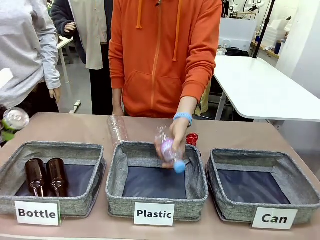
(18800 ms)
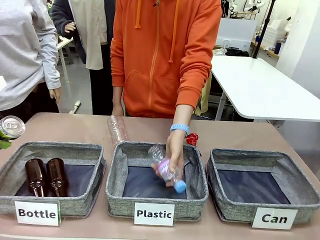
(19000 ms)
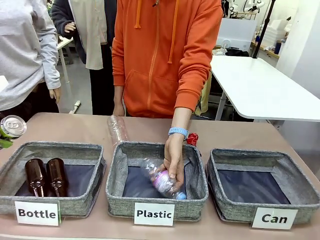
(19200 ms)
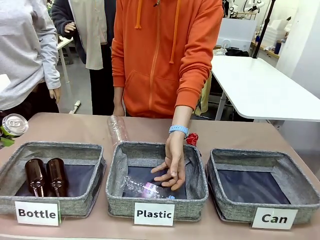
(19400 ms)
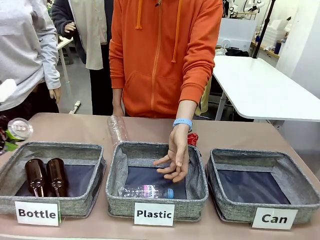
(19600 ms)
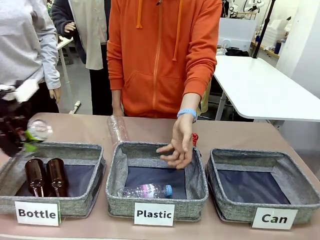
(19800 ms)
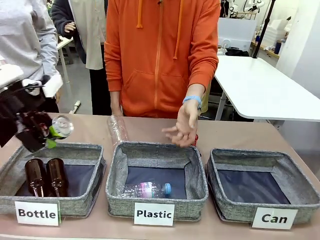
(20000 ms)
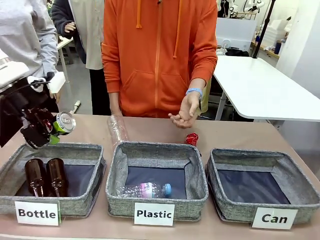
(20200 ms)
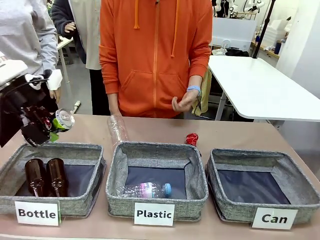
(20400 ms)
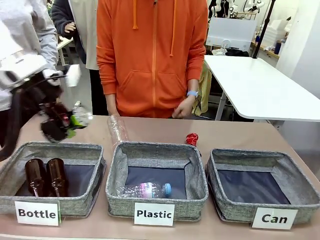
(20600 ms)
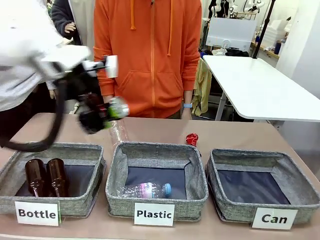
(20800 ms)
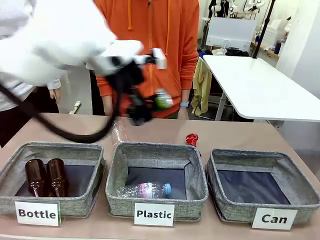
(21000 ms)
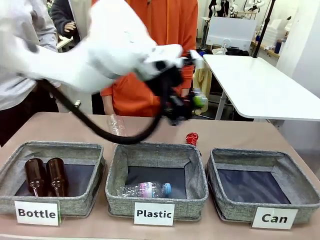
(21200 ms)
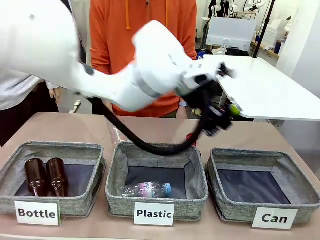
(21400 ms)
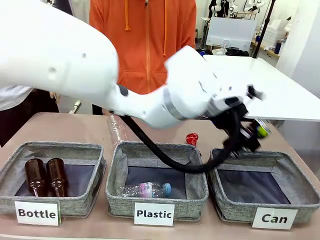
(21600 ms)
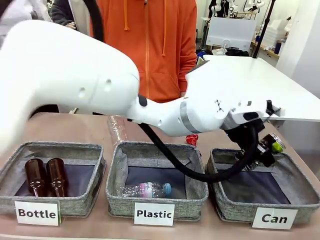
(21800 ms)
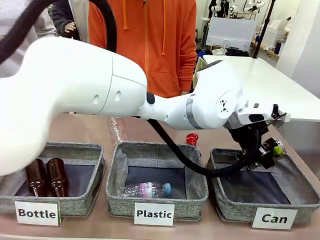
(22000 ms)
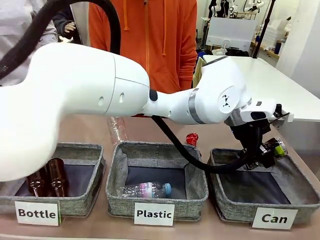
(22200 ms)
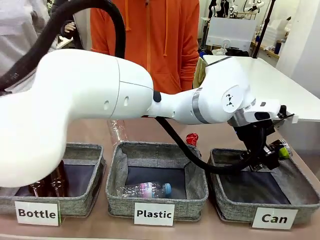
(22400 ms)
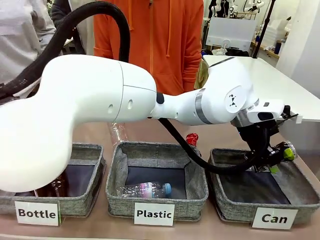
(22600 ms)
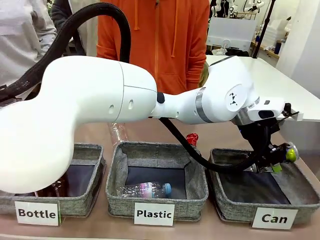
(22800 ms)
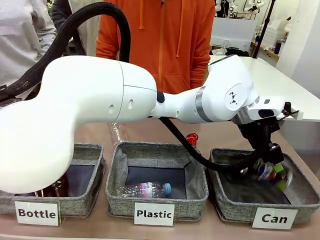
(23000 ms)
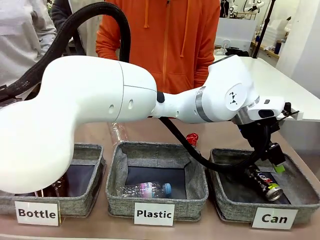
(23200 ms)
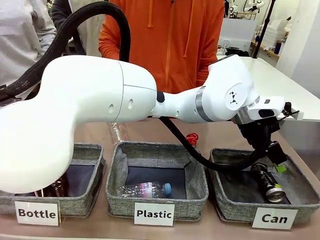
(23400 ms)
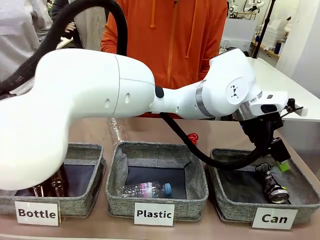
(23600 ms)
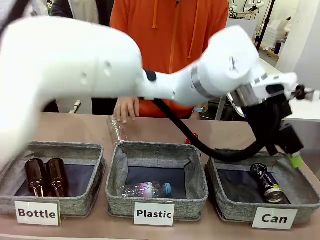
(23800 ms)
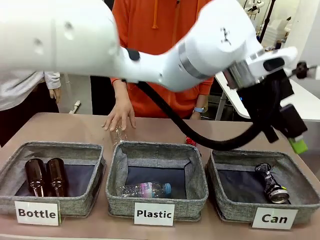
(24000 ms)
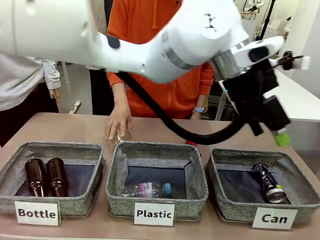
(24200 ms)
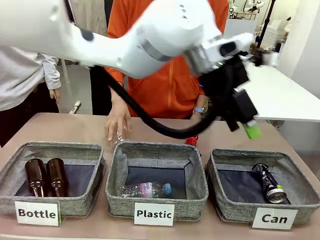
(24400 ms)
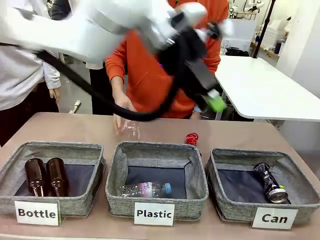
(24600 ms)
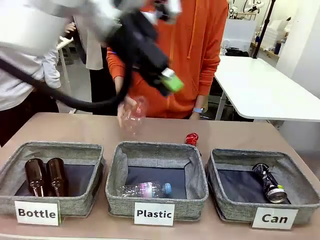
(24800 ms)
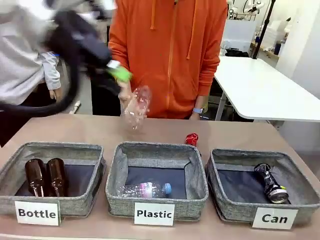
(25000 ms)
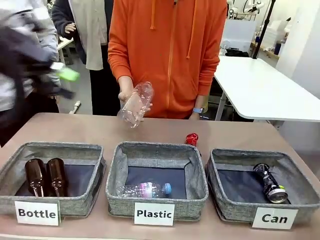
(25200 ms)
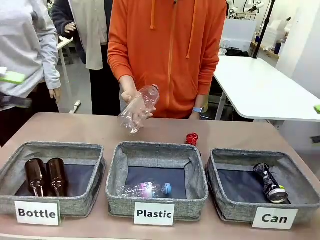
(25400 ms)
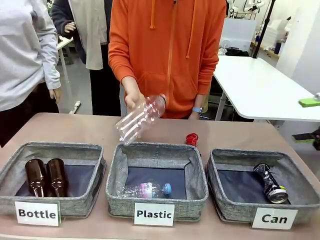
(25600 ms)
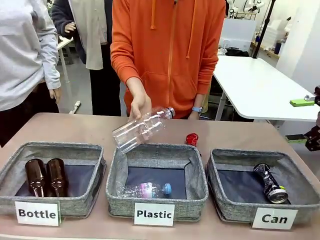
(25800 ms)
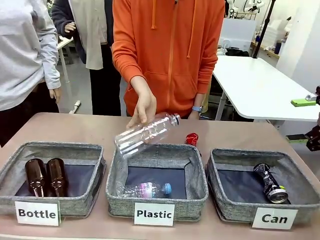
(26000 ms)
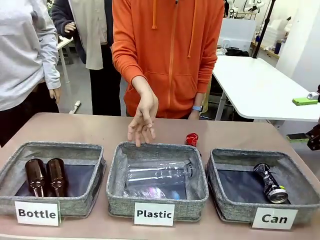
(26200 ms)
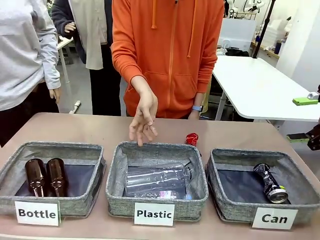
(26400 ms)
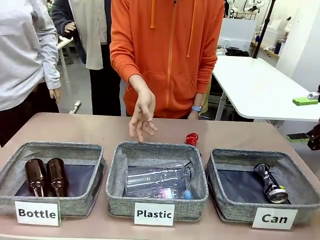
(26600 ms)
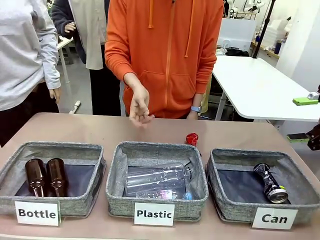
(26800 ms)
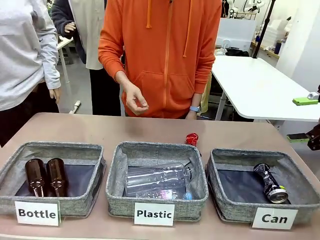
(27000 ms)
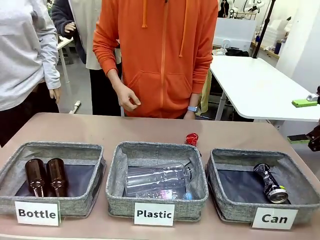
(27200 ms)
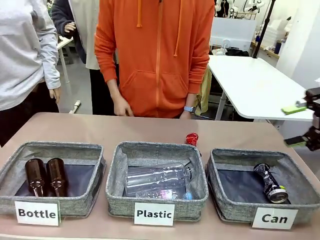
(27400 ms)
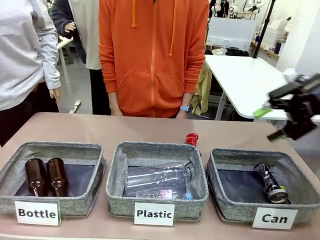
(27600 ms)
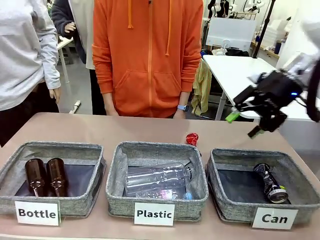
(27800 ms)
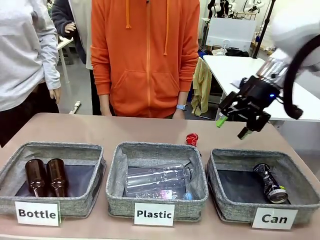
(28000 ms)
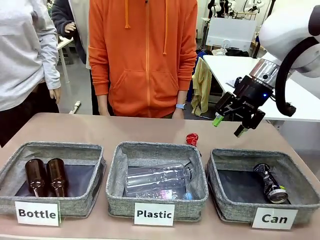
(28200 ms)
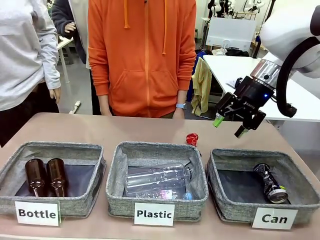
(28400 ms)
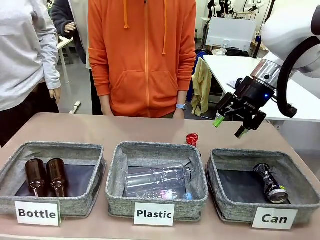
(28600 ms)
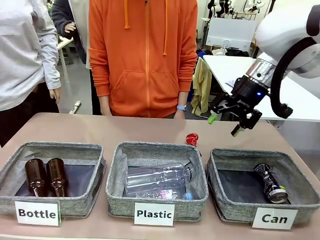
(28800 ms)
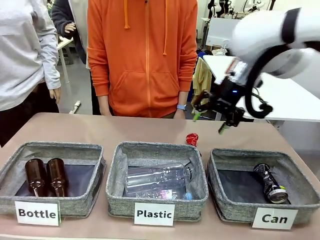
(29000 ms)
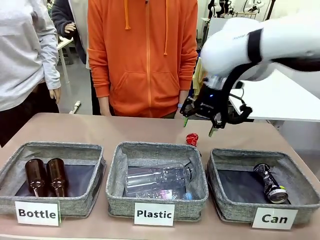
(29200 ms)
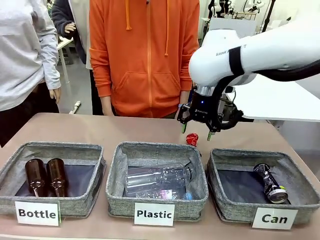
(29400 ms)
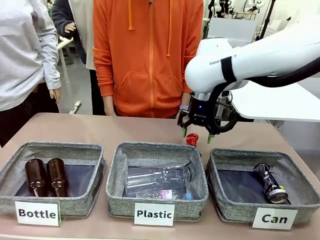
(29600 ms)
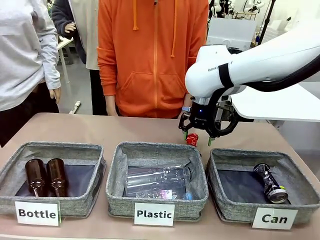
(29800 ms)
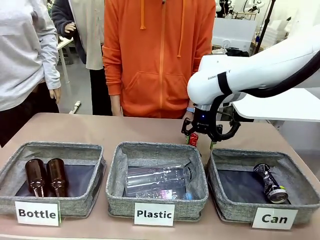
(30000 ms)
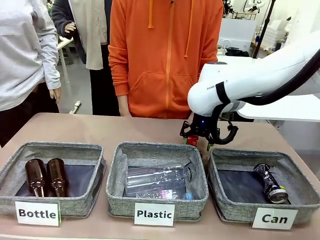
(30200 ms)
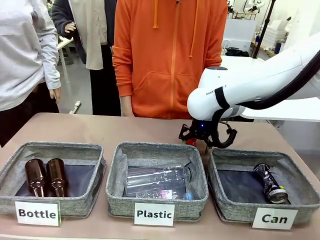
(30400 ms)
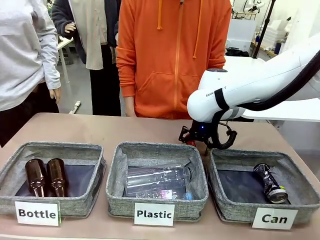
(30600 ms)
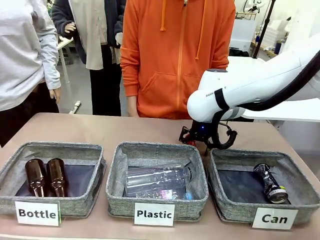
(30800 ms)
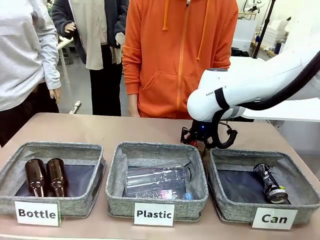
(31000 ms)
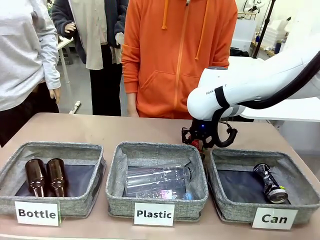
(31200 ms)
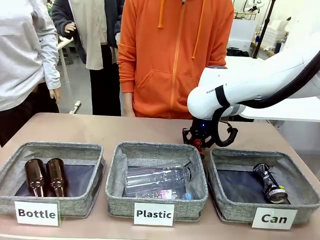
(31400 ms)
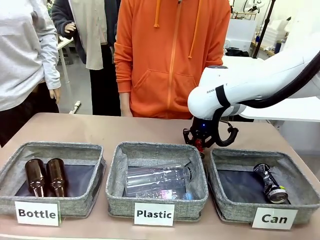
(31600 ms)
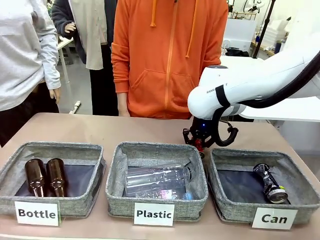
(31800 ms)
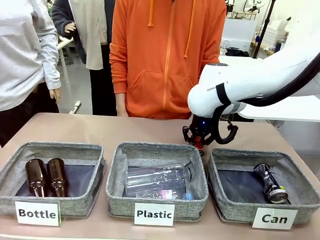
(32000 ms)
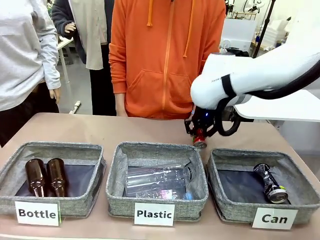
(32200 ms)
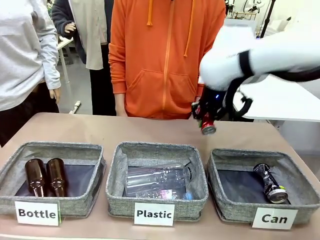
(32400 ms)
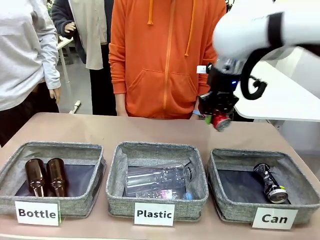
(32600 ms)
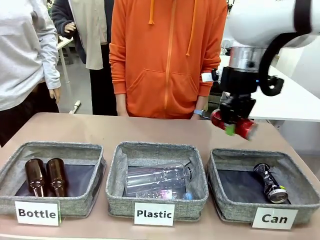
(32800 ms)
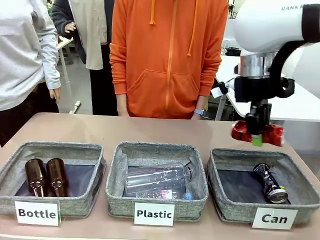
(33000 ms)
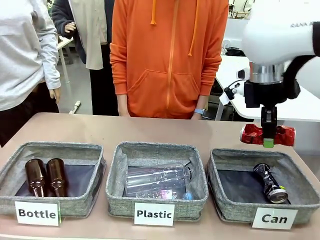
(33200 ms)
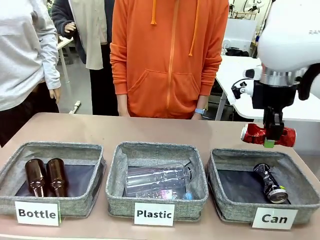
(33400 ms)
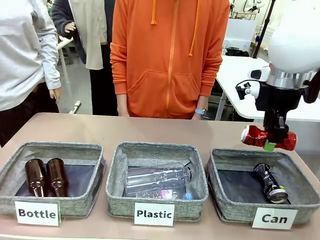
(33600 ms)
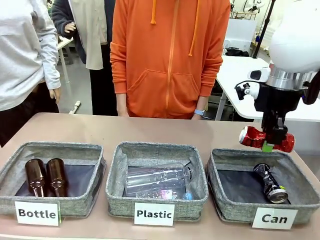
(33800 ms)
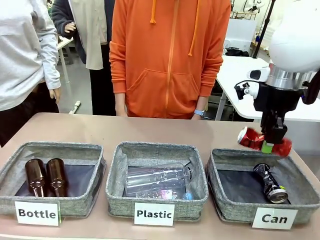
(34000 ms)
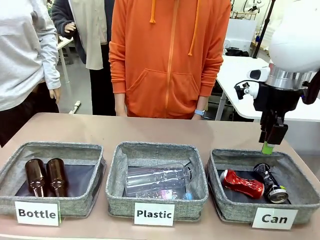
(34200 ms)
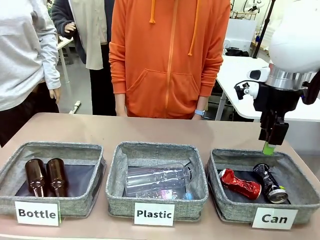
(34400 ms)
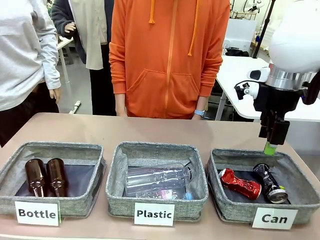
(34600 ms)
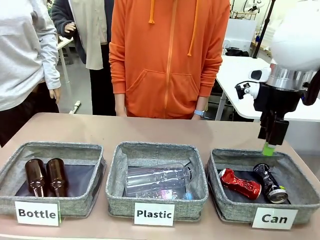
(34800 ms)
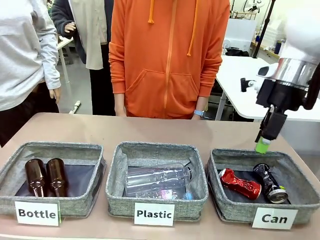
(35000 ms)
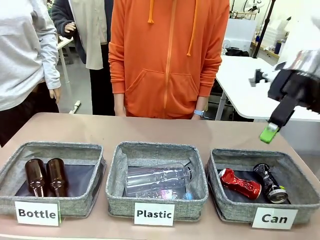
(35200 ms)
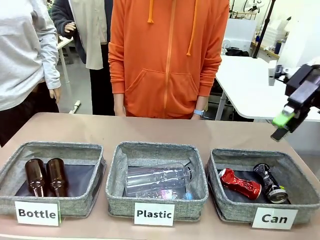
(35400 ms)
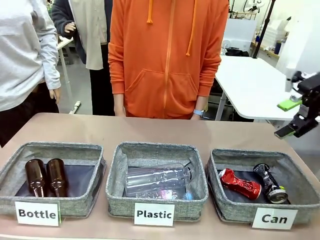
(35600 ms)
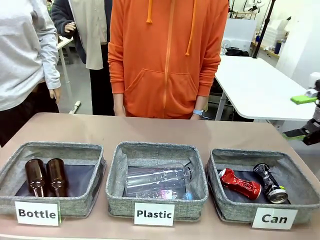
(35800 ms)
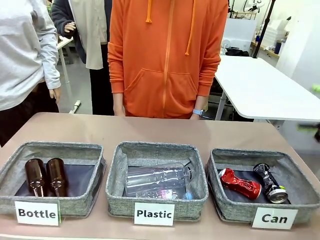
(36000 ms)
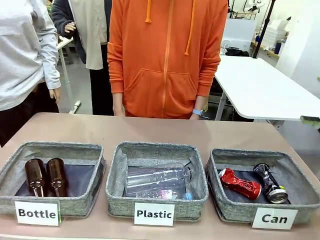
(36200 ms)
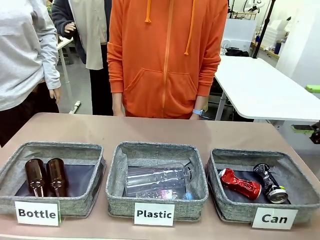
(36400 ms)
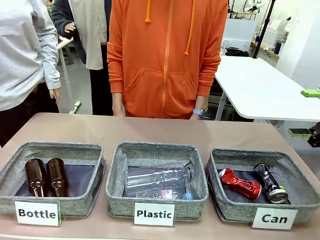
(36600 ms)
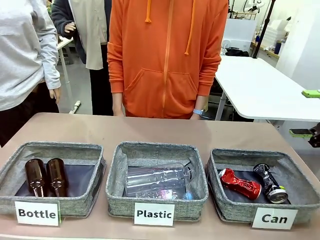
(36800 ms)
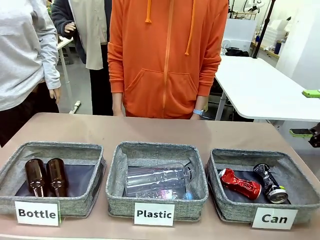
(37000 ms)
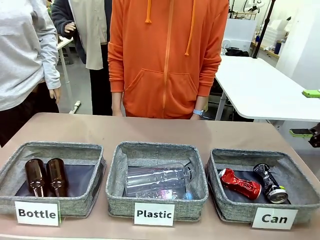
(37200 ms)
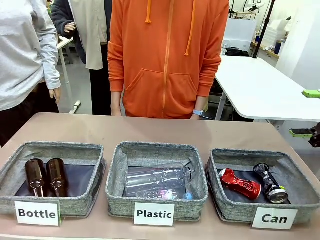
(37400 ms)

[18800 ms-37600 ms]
Task: Sort the can waste into the basket.
Robot: Pick up the can waste from the table and place it in the right Fabric basket.
